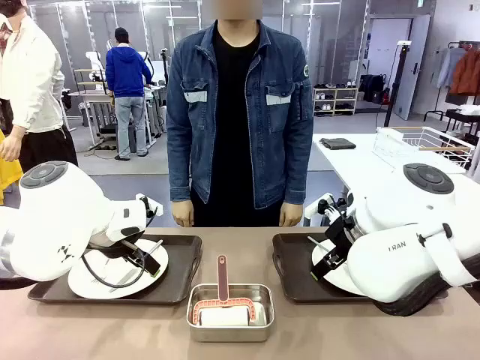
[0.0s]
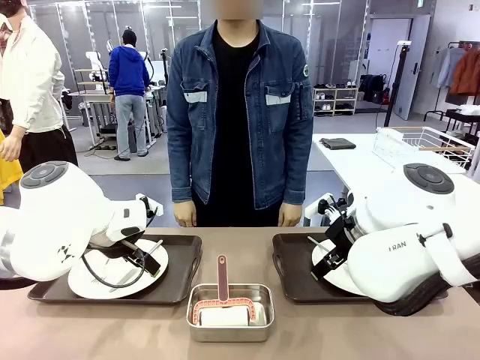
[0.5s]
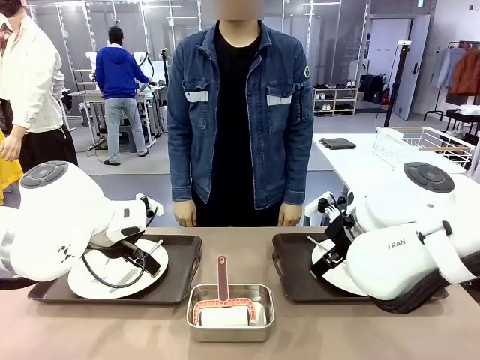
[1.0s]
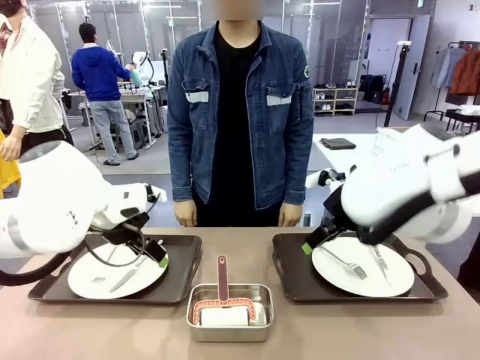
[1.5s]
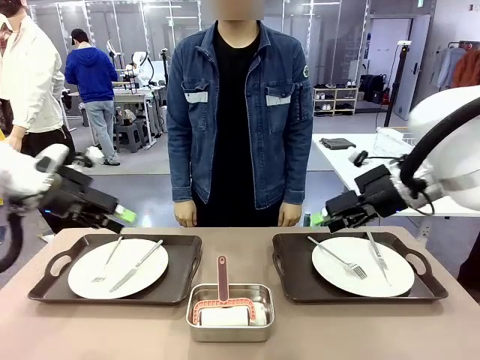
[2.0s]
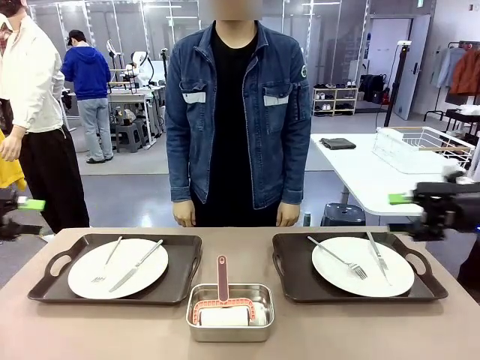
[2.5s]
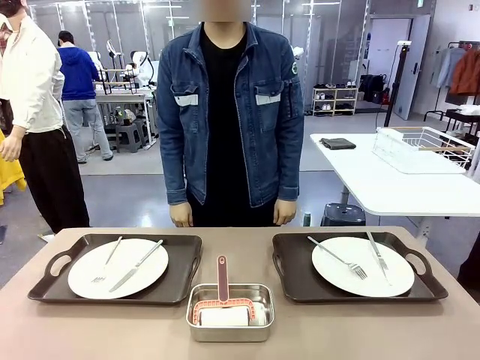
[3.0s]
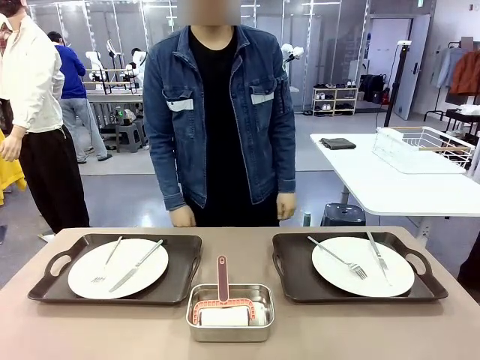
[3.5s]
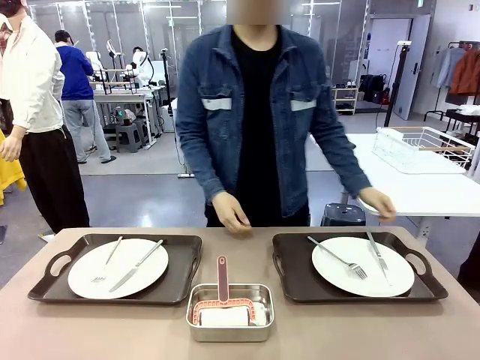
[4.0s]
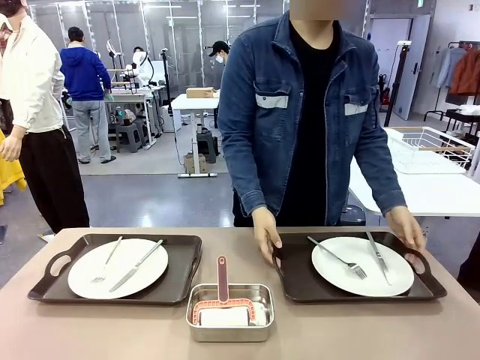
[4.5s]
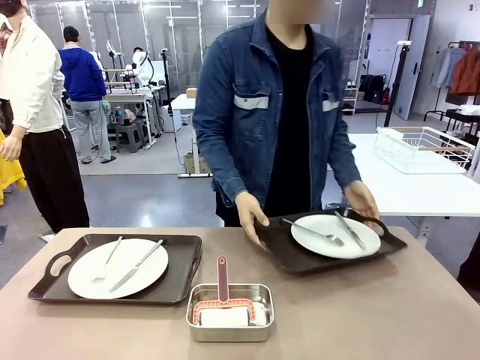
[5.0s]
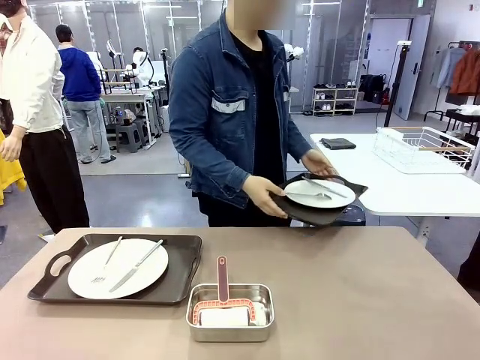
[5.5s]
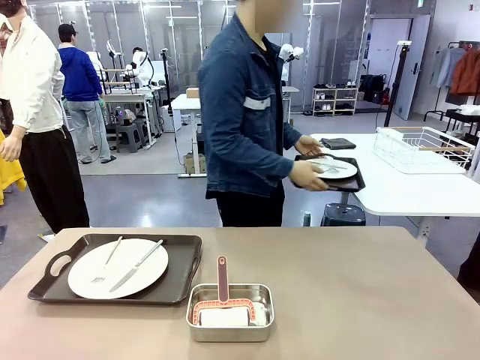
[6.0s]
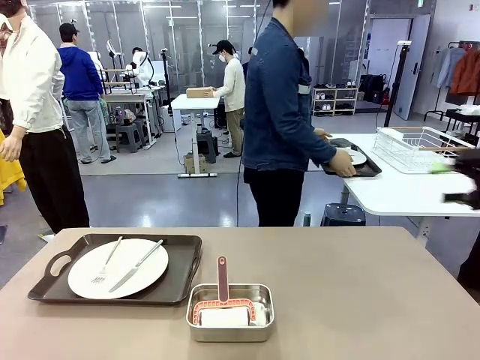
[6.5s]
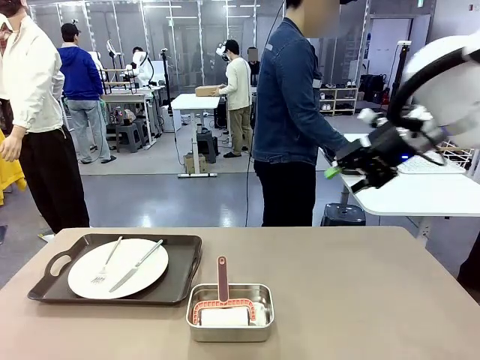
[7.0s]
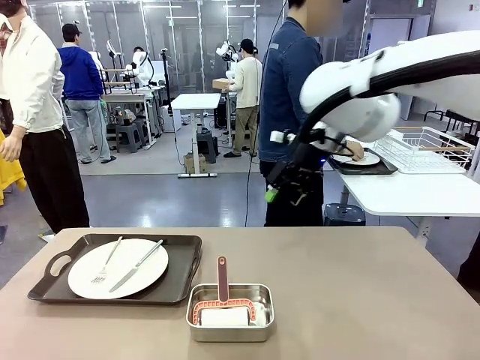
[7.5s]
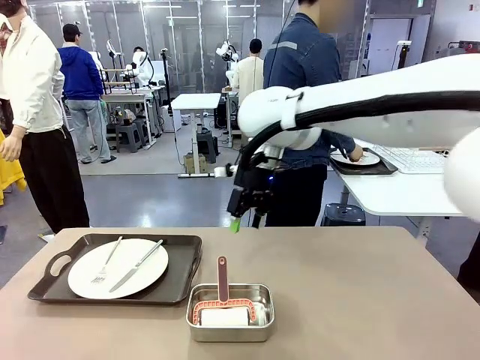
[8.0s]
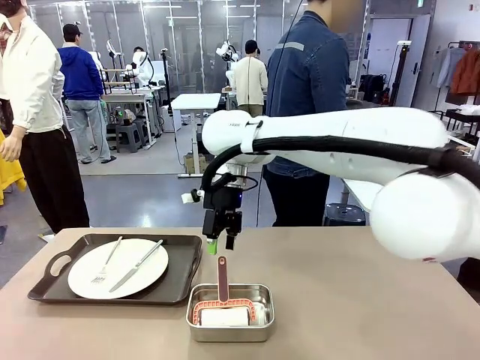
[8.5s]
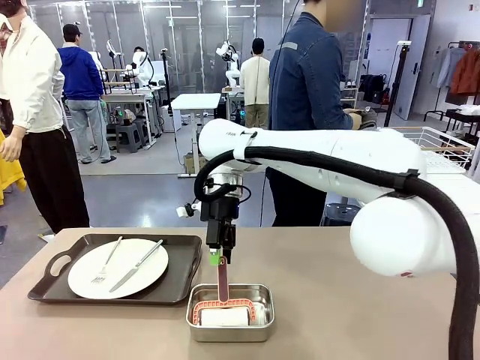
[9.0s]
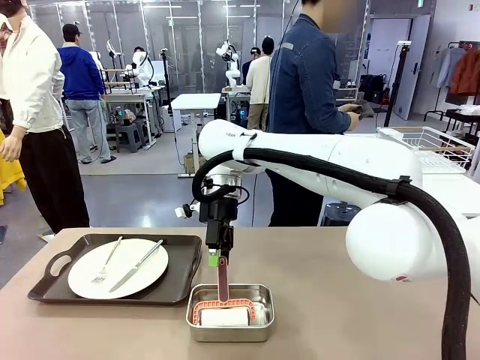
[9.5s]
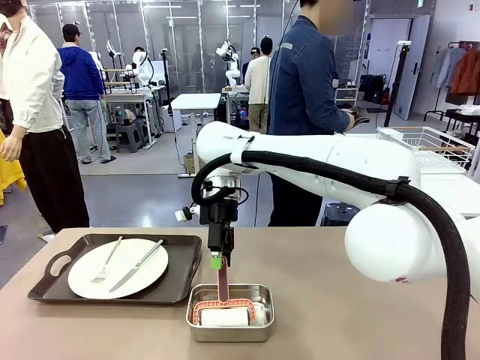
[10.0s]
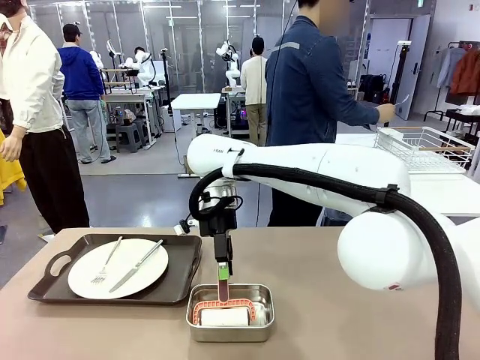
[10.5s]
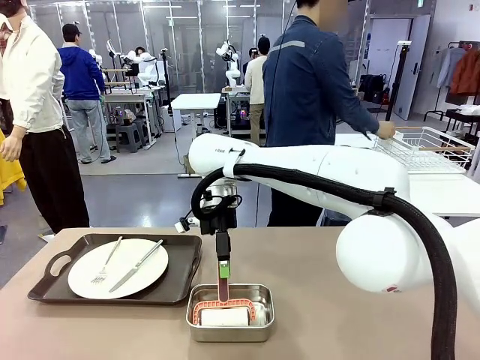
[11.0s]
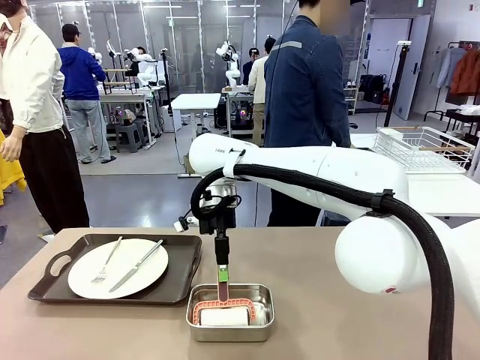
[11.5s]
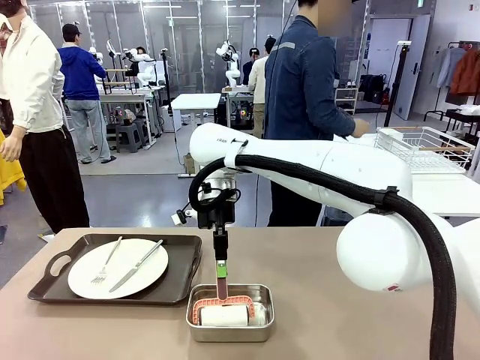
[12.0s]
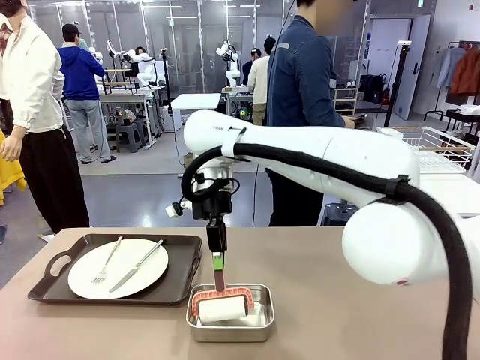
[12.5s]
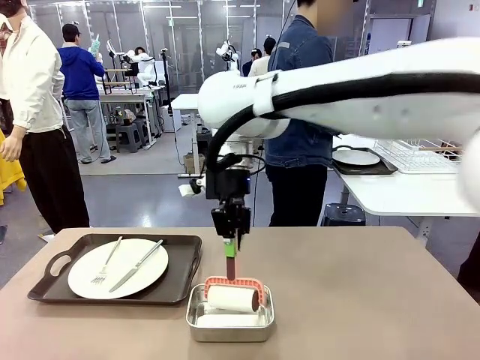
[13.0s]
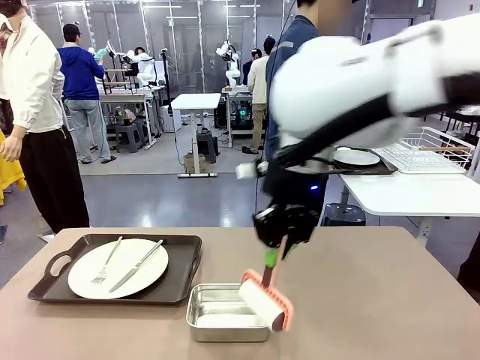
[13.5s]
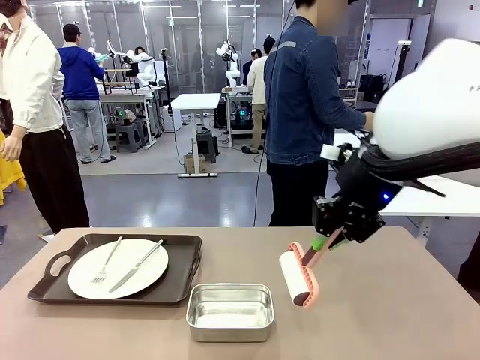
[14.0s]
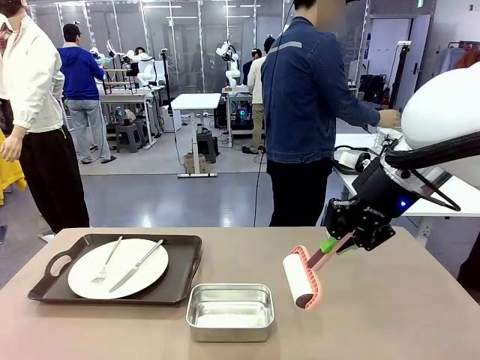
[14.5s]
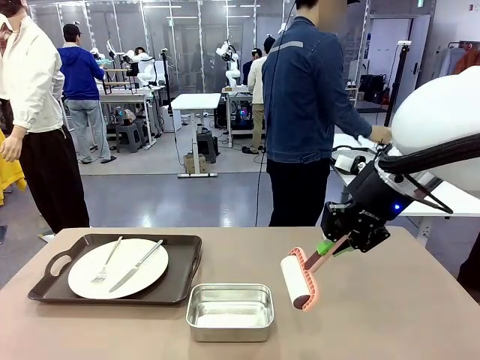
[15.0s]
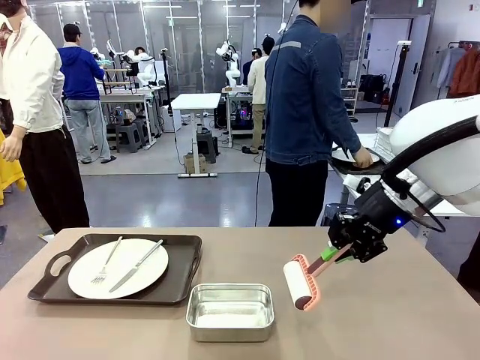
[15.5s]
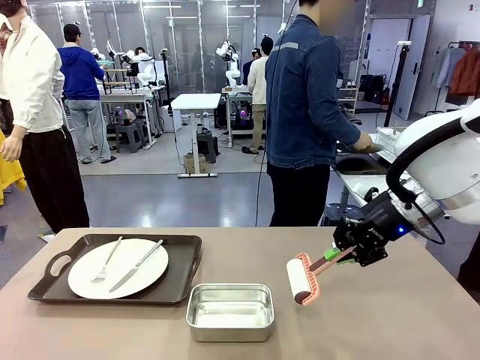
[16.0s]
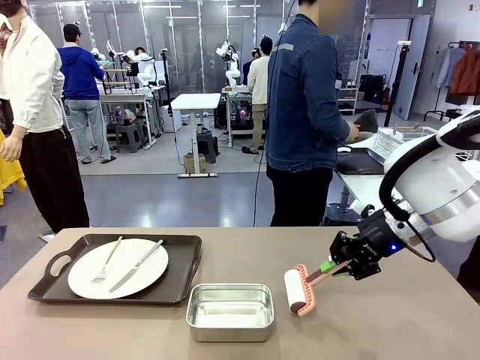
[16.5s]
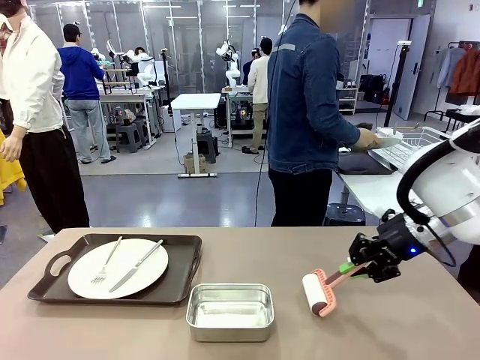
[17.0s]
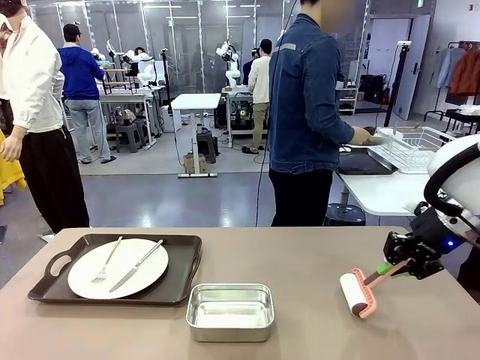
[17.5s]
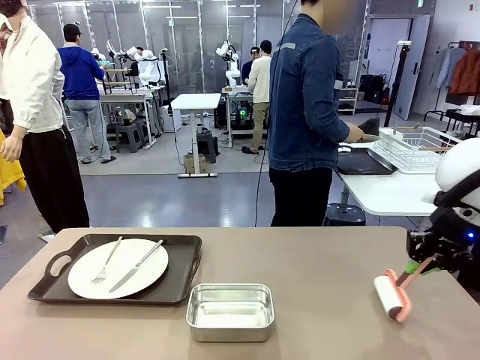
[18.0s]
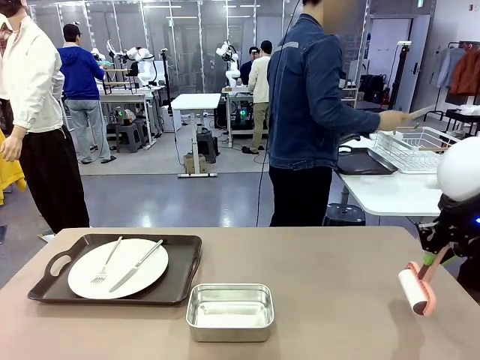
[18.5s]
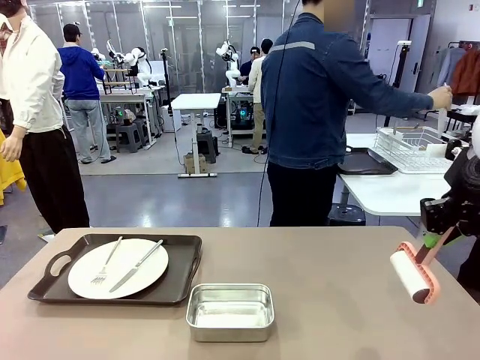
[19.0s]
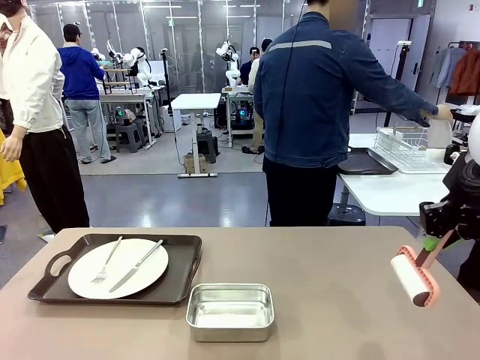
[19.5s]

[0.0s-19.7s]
Robot: When the left (or right) Handle tray is removed, use the left hand (or right hand) to clean the left (or right) side of the table with the Lint Roller.
Person: Pick up the left (or right) Handle tray and place it on the middle of the Human's table. Use the Towel with hook to wipe the Plastic Matte Plate , Fork , and Knife and place into the Dish drying rack.

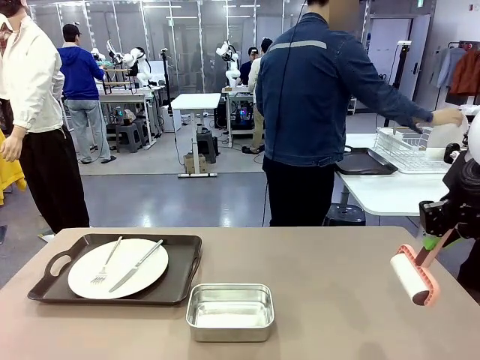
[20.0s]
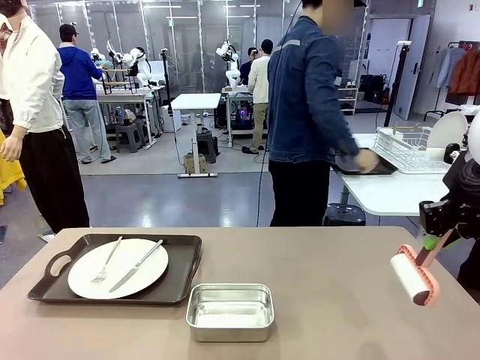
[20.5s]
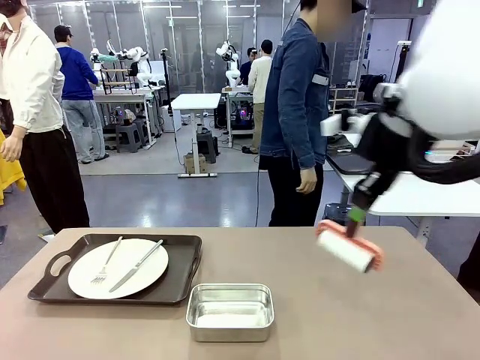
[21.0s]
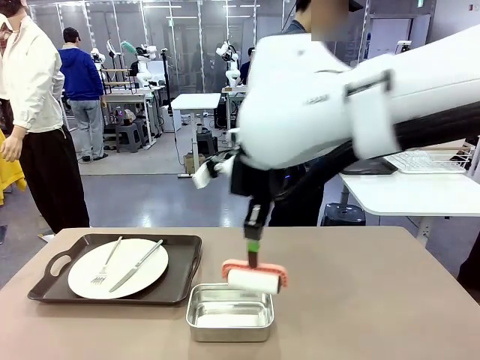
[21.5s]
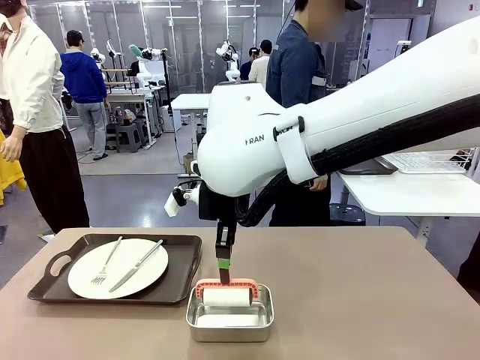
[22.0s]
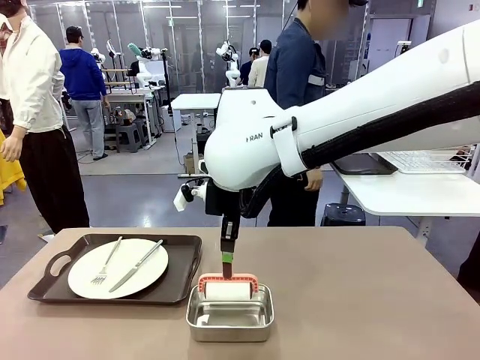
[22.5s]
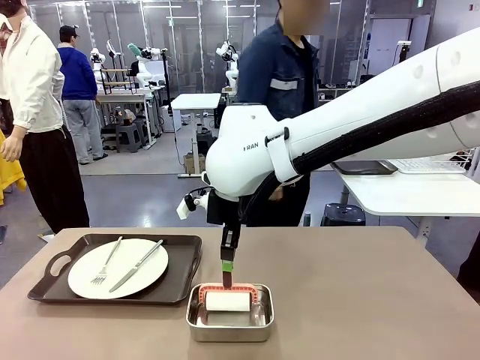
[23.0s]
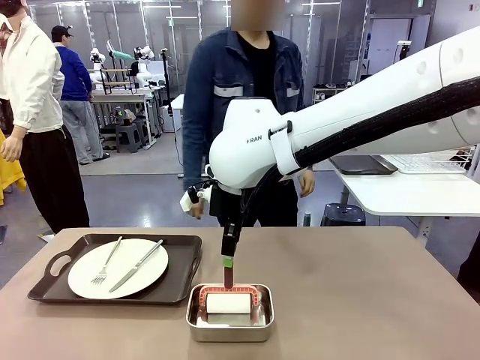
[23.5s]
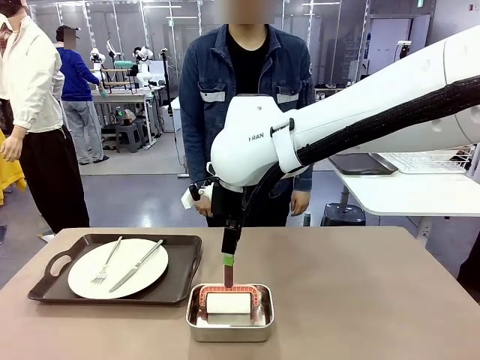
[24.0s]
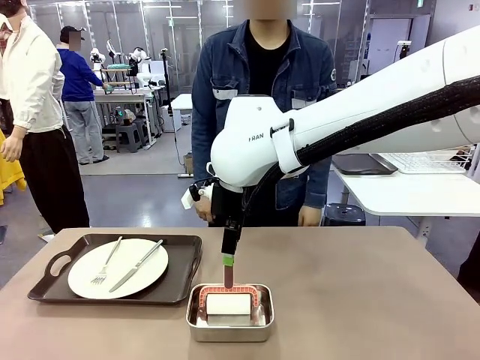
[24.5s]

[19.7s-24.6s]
Robot: Place the Lint Roller back on top of the Airtight Container.
